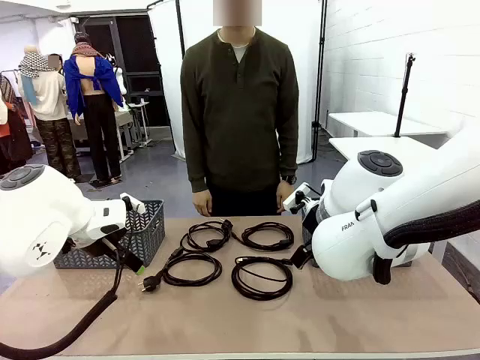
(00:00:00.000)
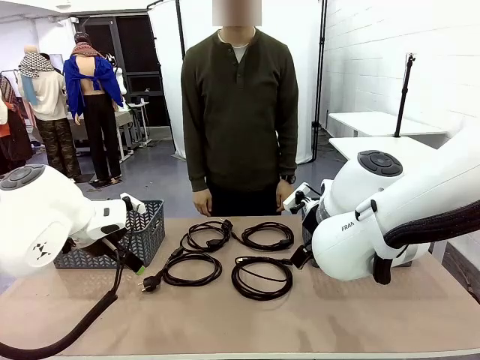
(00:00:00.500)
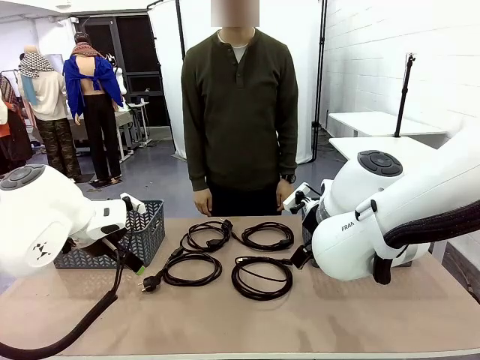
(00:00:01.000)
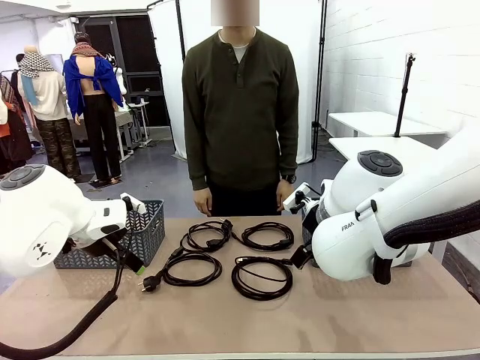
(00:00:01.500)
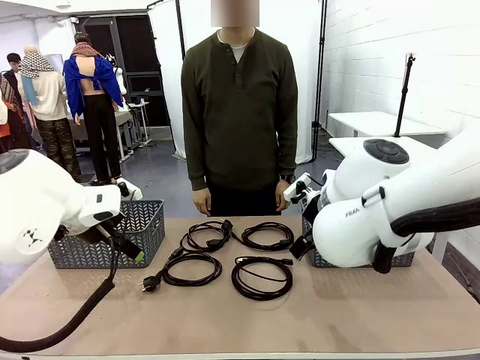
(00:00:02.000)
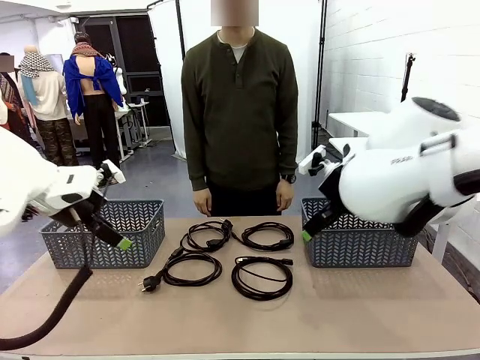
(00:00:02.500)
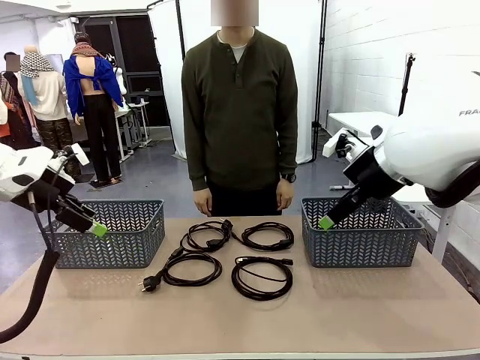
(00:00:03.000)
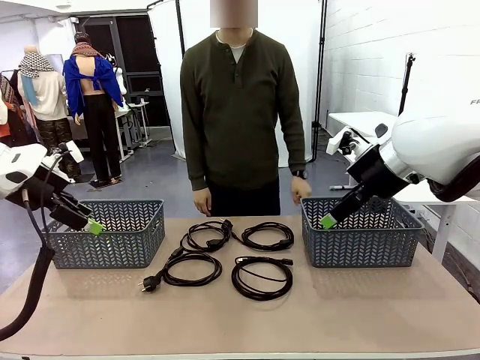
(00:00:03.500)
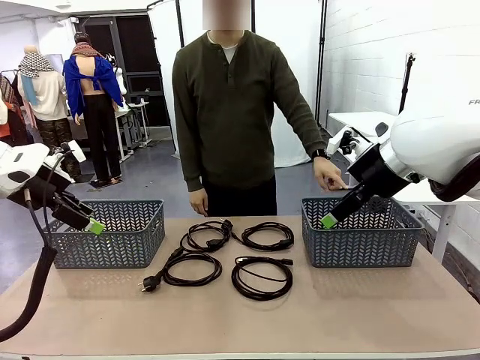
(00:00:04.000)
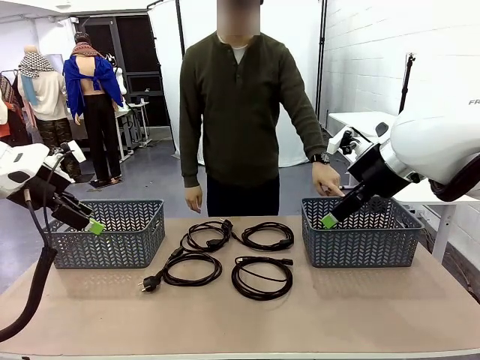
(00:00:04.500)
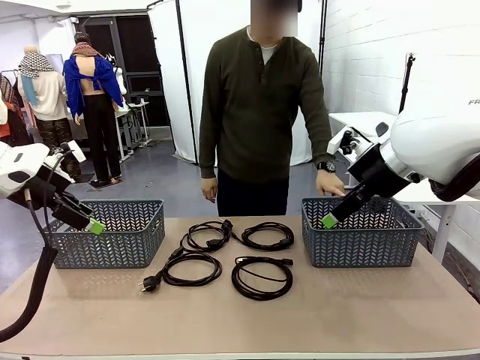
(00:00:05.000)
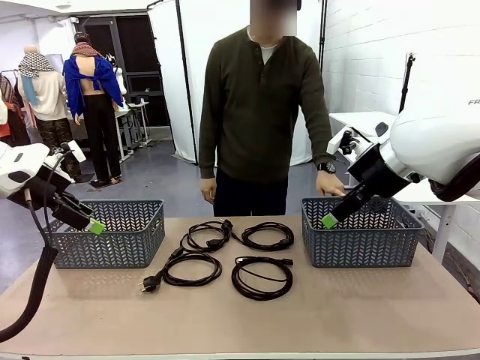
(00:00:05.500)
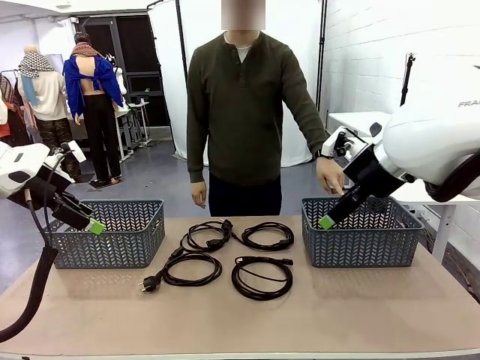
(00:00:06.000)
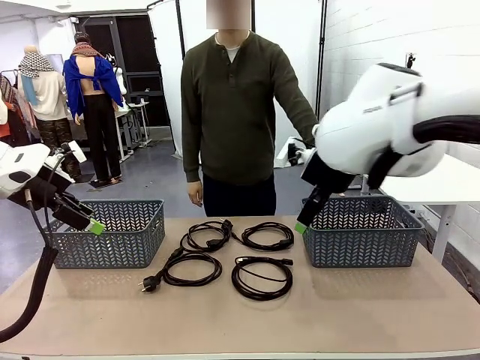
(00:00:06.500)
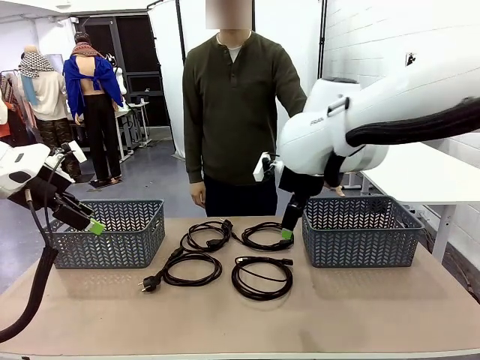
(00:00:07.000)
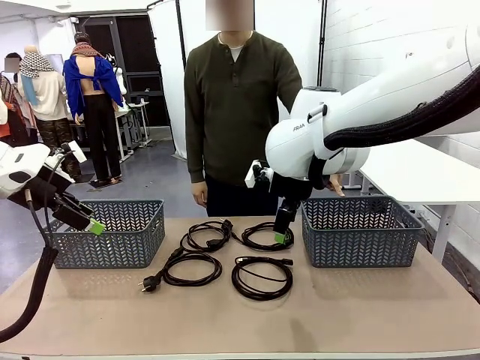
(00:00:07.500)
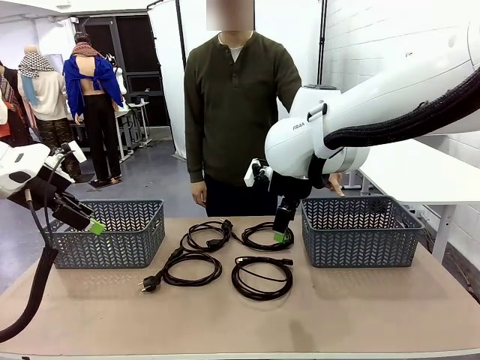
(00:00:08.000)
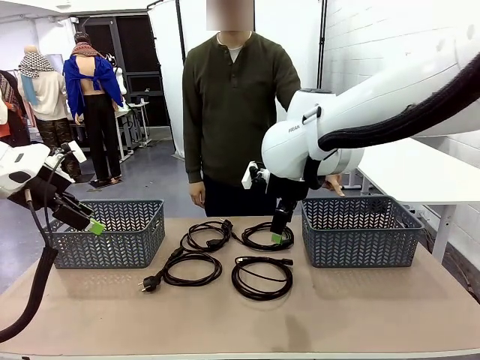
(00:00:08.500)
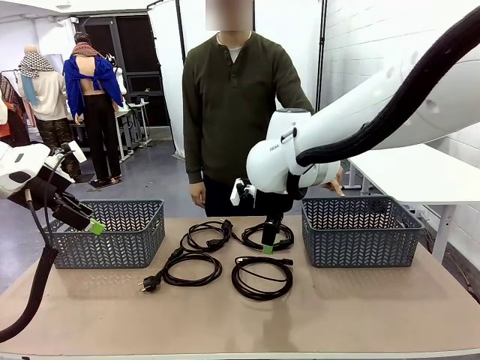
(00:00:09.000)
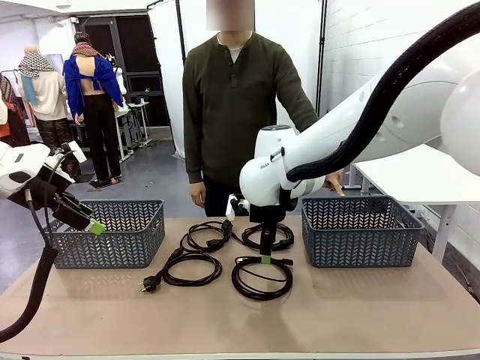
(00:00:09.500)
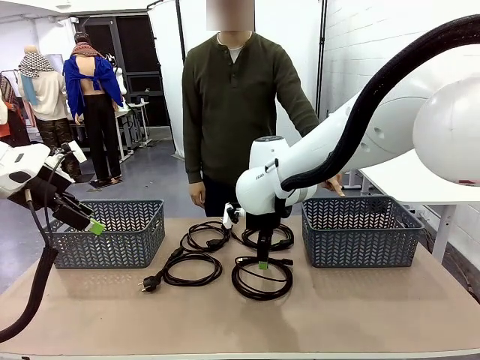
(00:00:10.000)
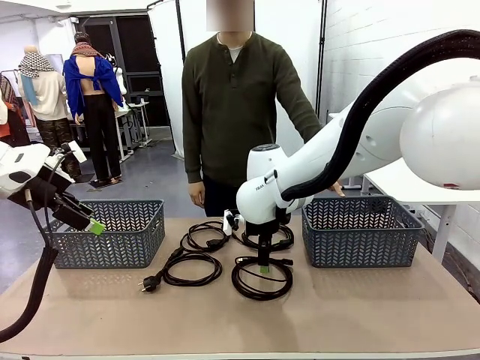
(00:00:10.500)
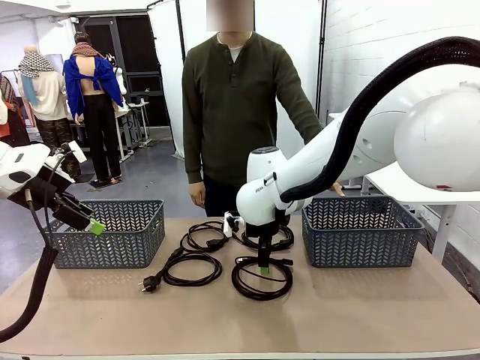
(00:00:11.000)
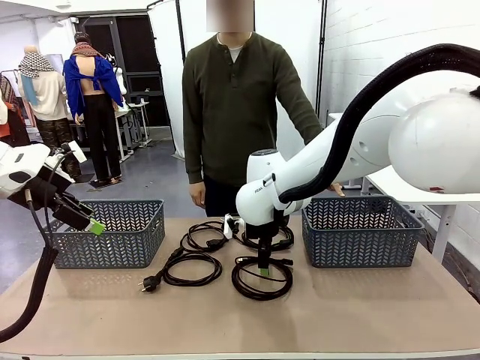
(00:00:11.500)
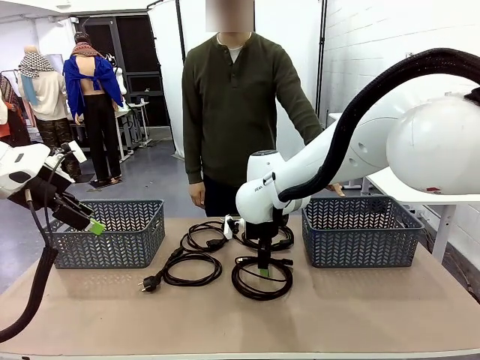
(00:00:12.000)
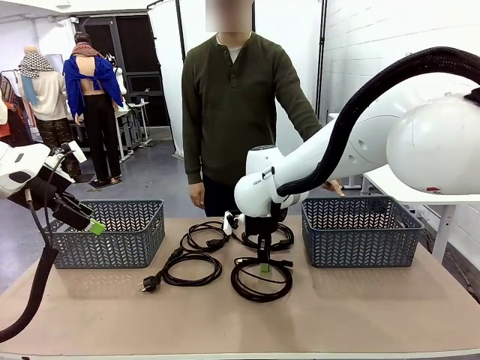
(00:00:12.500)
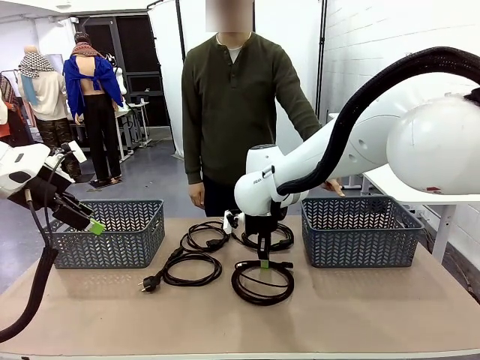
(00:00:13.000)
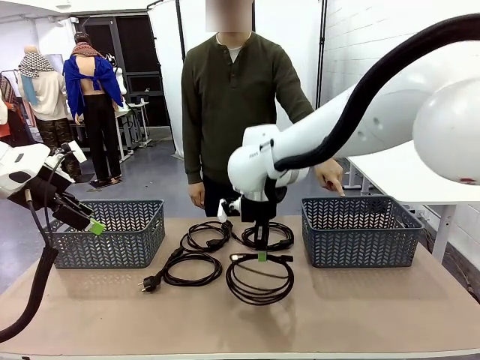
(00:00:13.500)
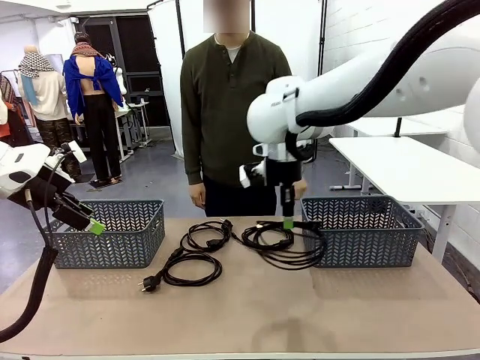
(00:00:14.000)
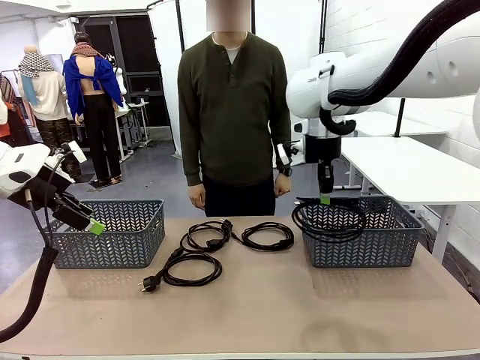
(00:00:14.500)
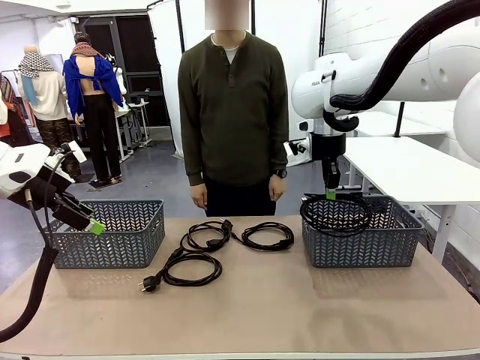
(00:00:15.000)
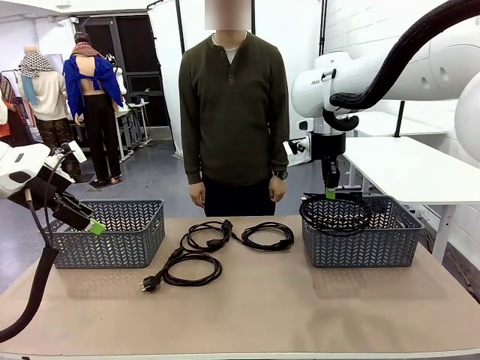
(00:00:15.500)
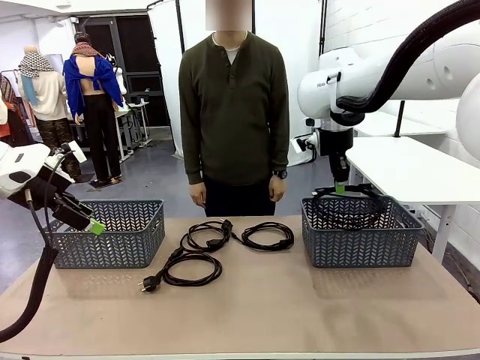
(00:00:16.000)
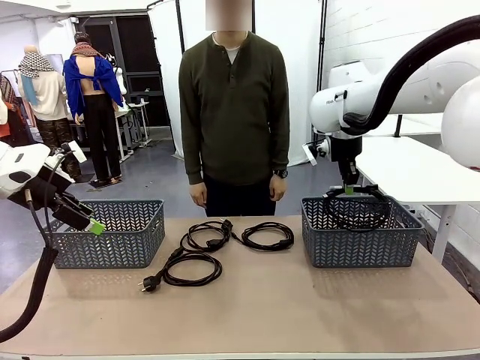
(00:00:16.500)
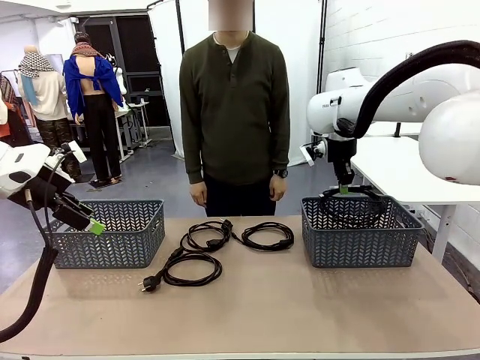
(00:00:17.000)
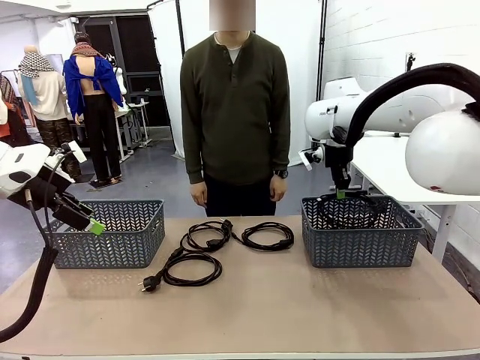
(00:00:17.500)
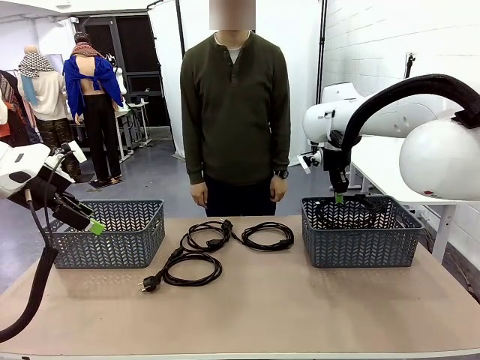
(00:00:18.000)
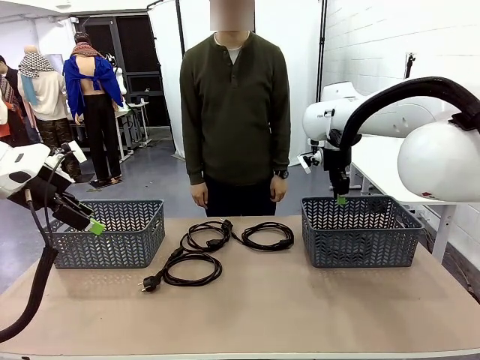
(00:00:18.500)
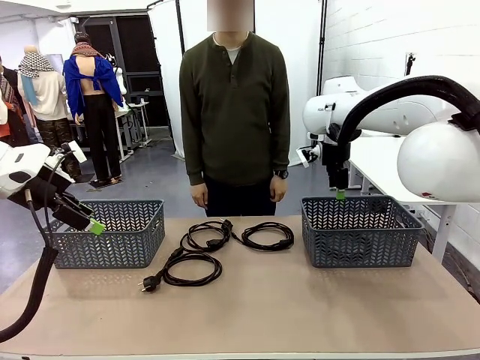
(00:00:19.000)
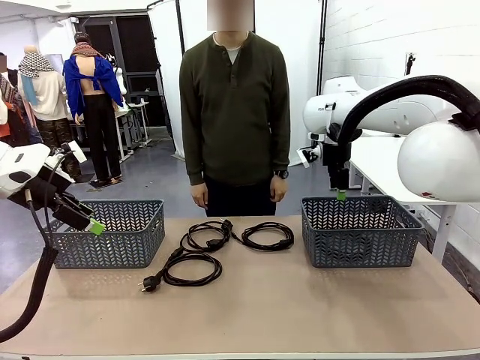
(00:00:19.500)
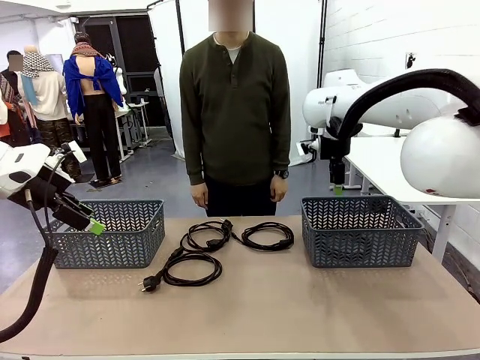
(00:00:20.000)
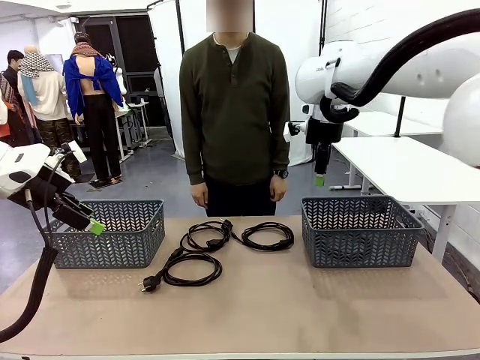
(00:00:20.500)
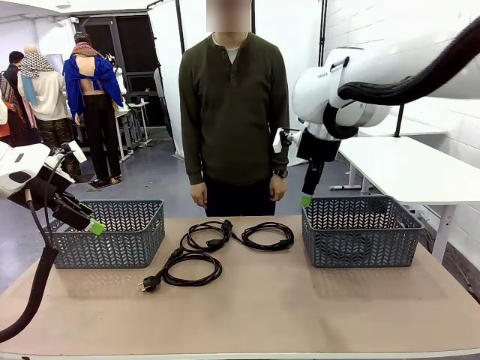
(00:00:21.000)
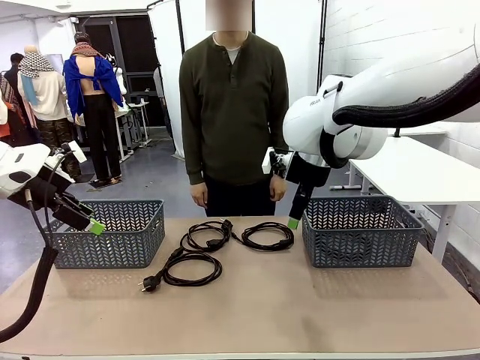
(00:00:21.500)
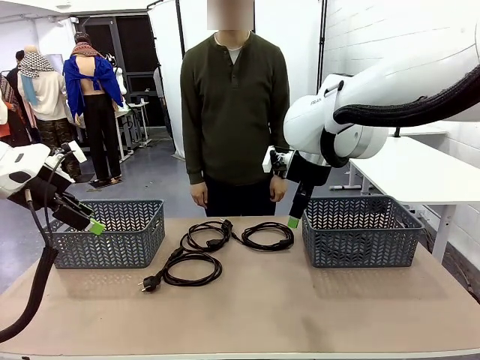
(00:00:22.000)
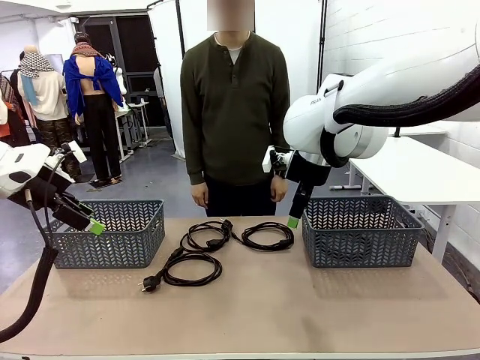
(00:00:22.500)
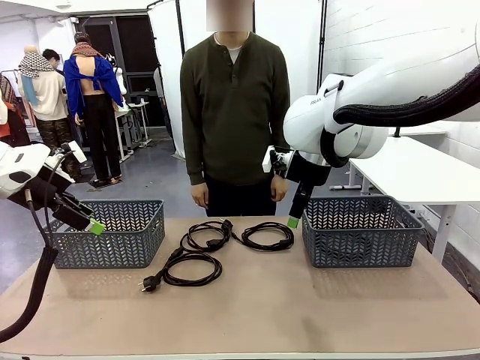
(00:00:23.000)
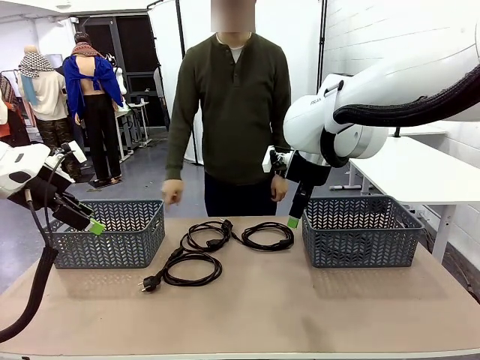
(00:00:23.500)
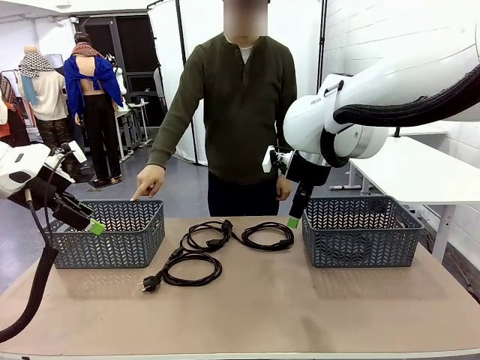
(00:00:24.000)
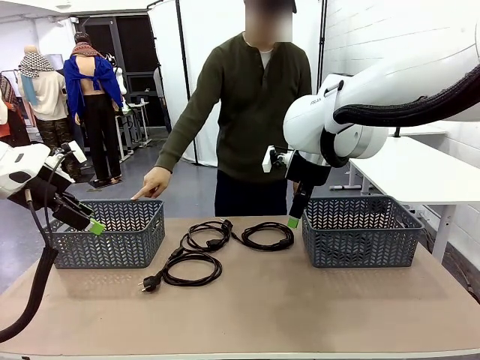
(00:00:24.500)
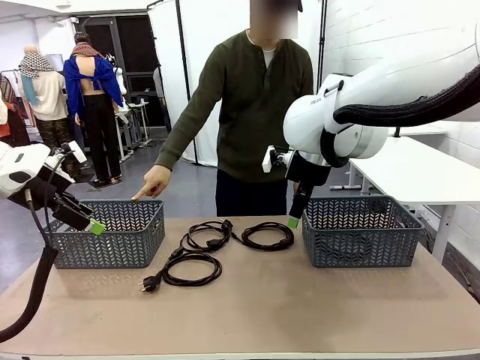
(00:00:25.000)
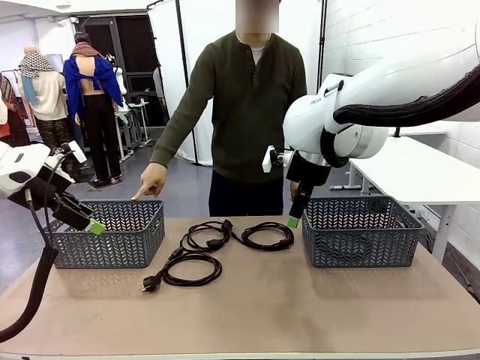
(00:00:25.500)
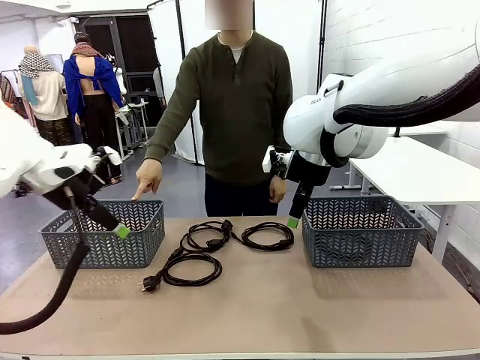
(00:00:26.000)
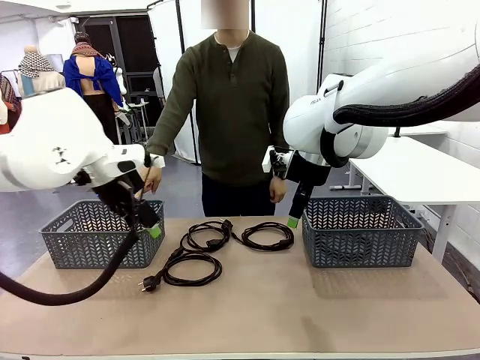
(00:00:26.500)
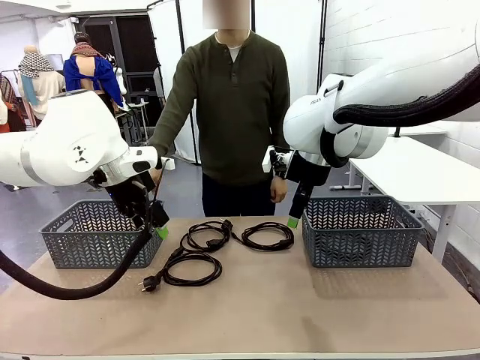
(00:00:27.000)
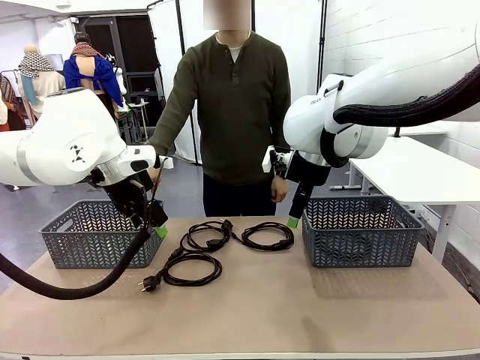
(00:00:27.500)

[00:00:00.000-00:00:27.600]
Task: Organize the cables according to human instructions.
Robot: Pick up a bundle of cables and place it in the basket indicated by the human.
